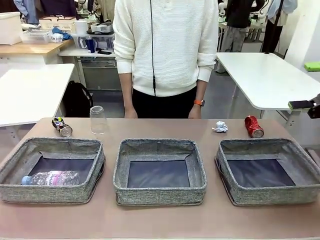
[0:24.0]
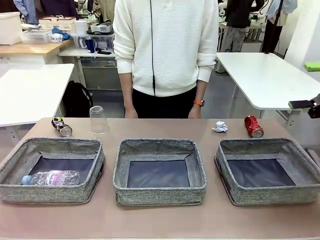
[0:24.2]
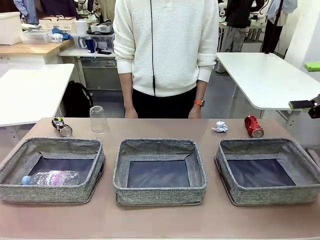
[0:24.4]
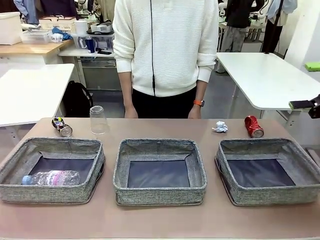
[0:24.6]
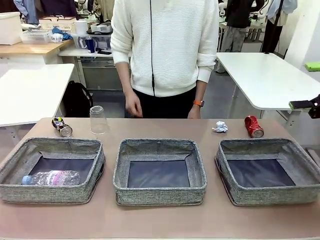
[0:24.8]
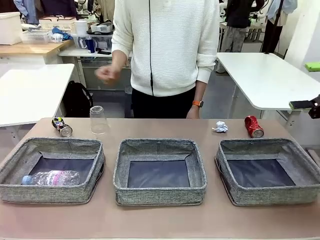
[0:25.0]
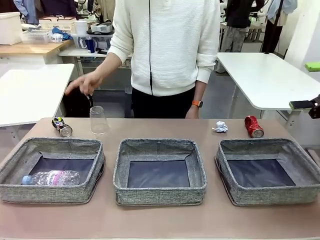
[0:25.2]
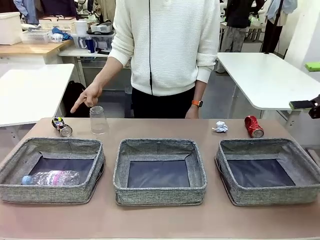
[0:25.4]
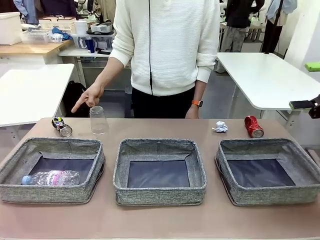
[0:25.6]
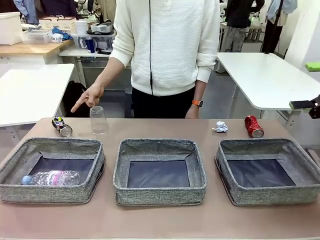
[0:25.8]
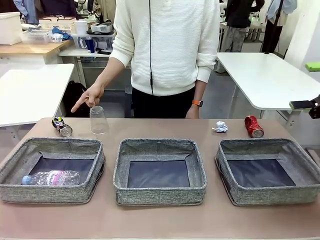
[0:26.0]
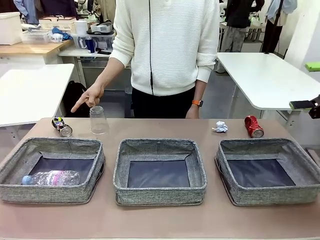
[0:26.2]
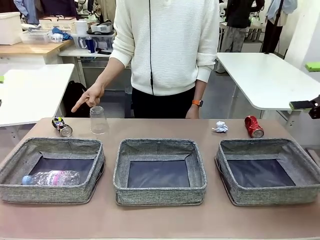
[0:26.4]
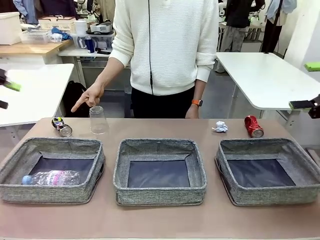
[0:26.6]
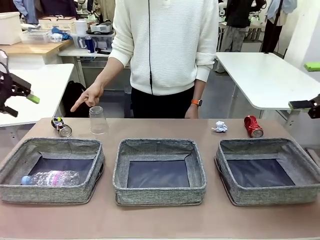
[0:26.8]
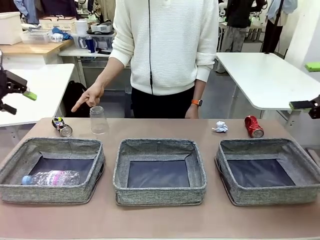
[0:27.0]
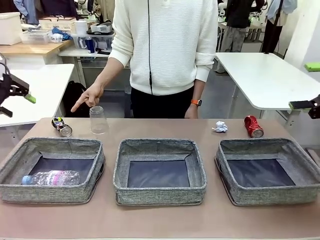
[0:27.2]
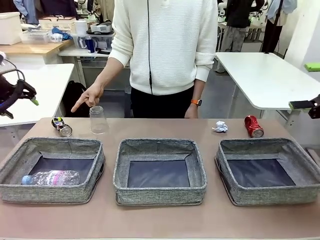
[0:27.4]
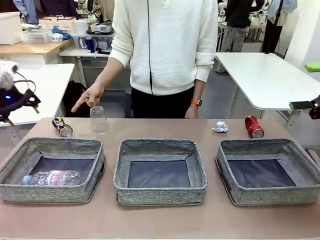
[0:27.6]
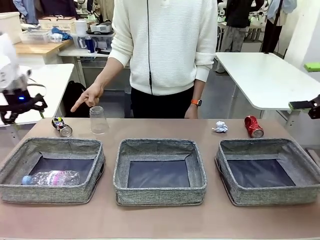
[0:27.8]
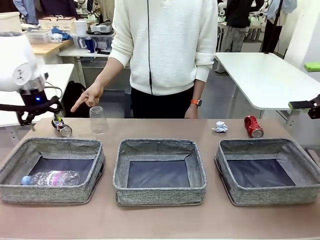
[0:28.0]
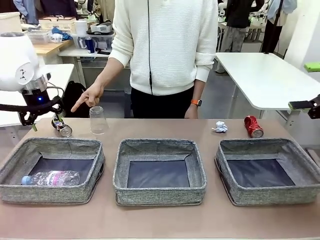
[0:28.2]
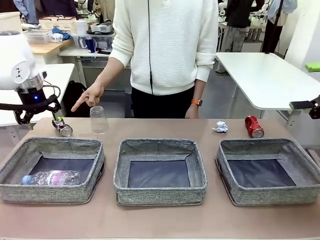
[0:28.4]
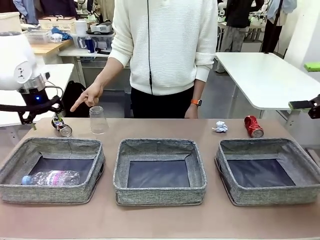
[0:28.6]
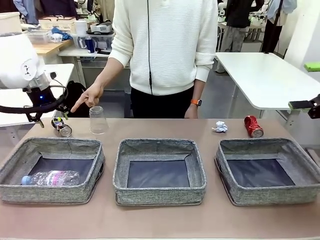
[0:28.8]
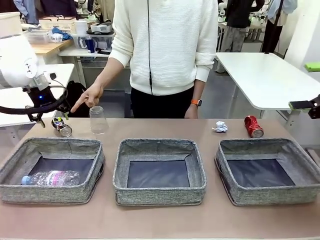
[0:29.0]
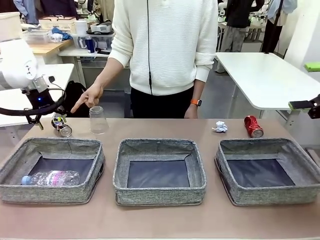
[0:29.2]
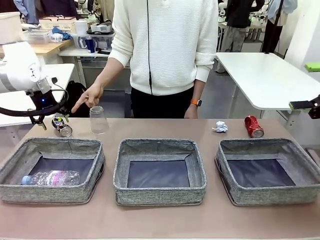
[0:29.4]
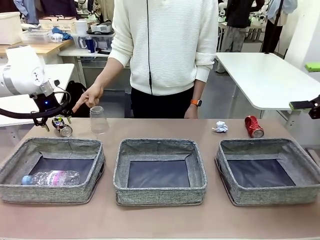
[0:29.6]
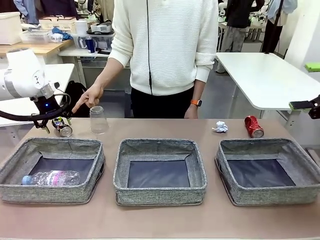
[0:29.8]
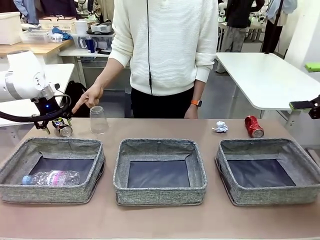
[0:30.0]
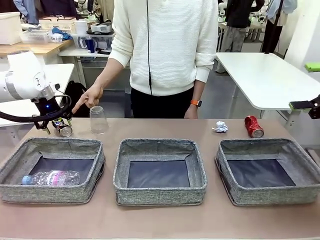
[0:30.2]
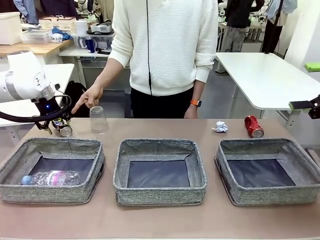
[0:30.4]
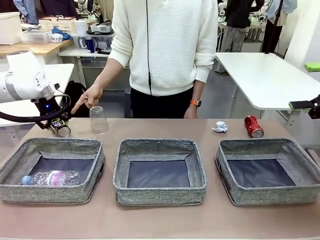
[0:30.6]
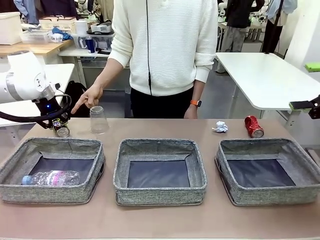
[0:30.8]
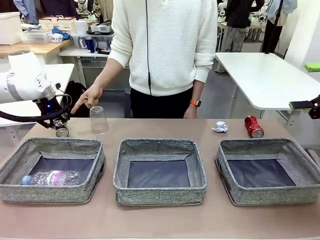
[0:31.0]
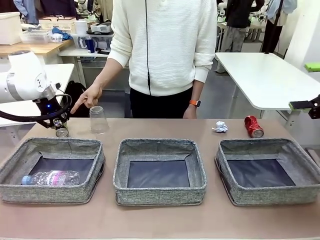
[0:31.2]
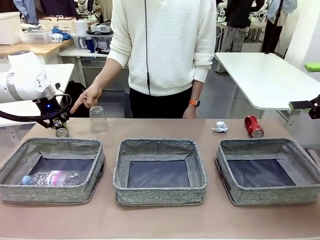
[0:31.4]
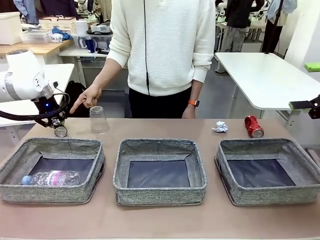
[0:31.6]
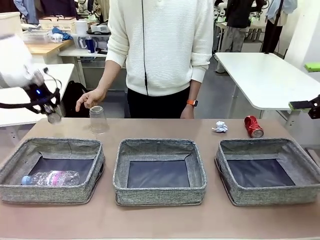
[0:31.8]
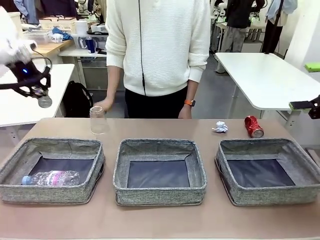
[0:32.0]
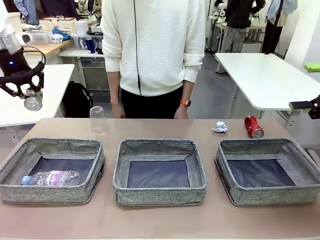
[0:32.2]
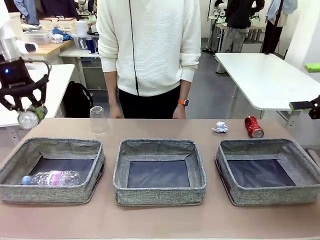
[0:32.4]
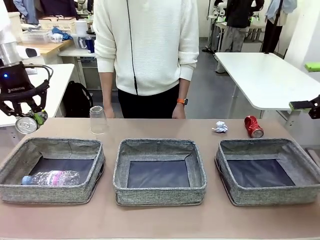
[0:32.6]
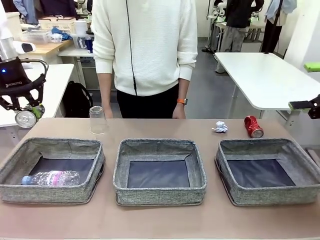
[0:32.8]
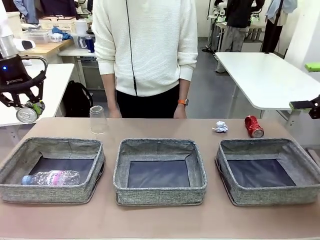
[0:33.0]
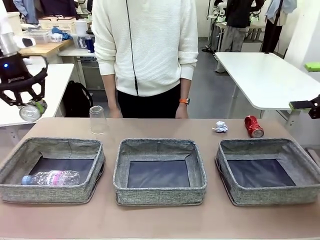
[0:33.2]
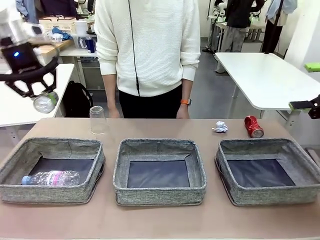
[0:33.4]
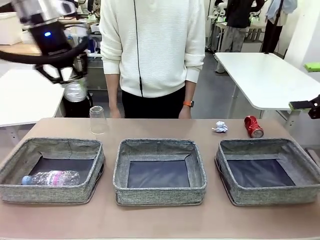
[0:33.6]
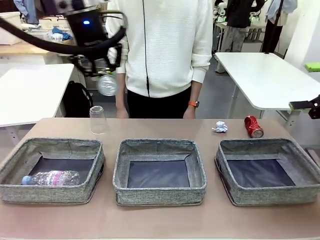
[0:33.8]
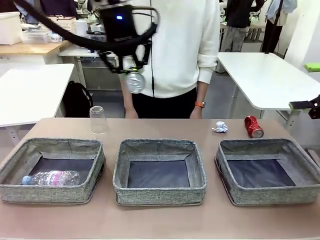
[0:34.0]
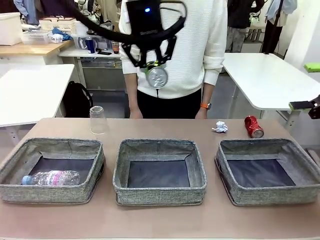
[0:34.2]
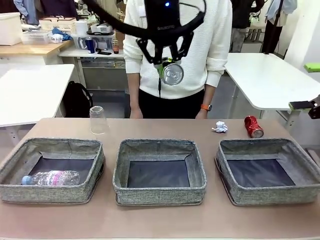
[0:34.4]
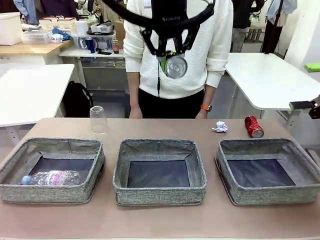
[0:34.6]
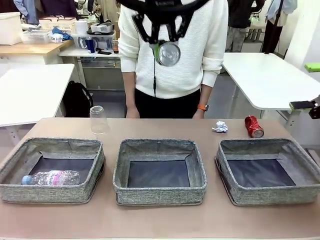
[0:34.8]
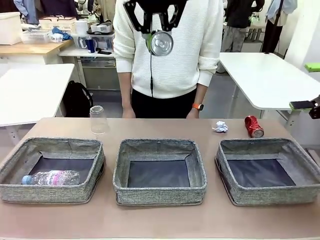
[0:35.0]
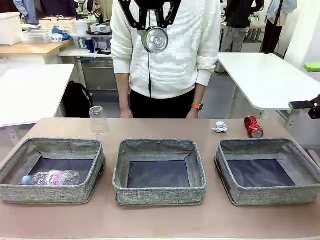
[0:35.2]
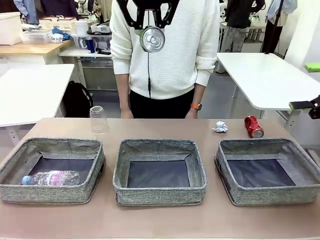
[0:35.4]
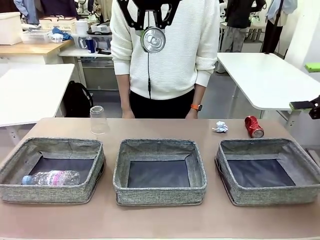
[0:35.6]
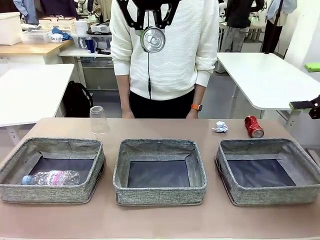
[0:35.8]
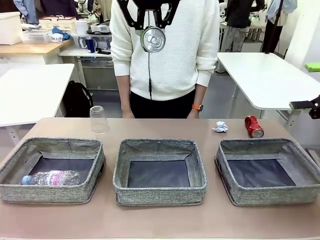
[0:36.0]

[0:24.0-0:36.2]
Task: Sort the waste into the appropriate baskets.
Robot: Pick up the waste item pointed out by the person.
Person: Points to one piece of trash on the table.

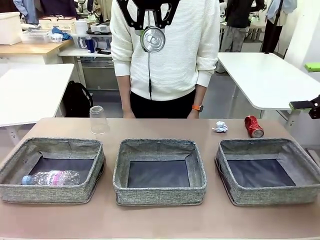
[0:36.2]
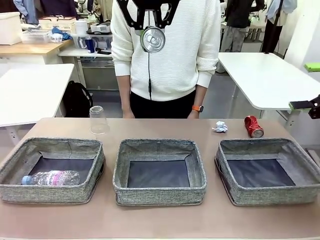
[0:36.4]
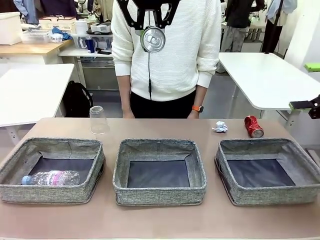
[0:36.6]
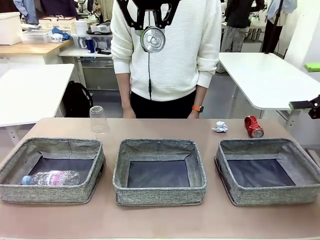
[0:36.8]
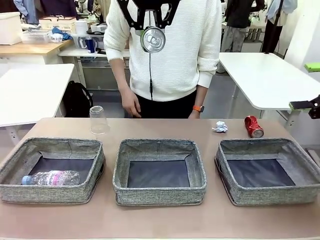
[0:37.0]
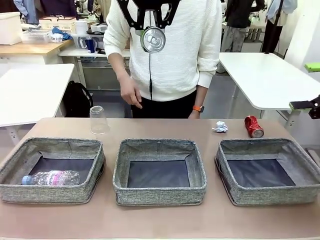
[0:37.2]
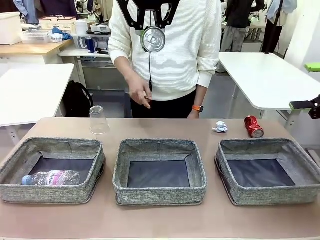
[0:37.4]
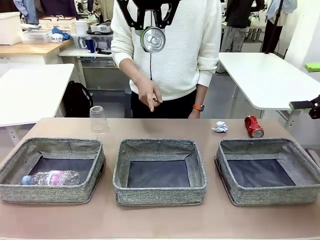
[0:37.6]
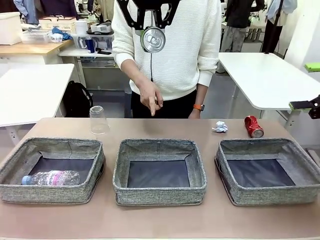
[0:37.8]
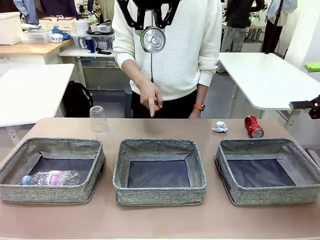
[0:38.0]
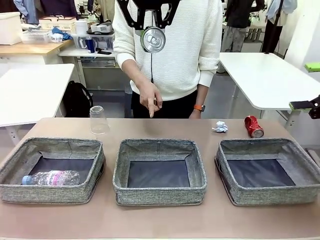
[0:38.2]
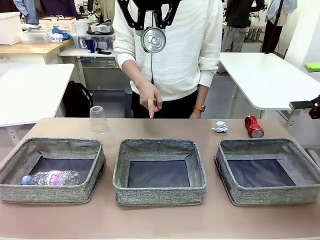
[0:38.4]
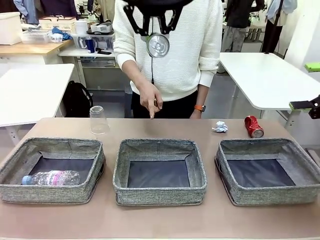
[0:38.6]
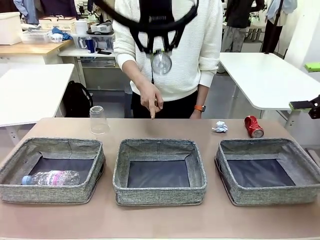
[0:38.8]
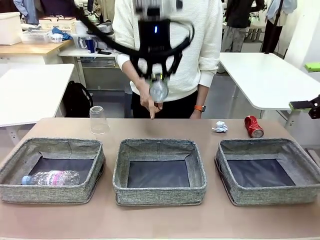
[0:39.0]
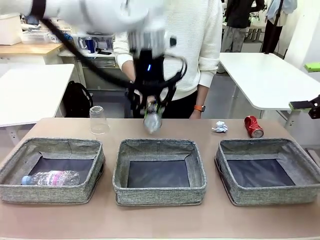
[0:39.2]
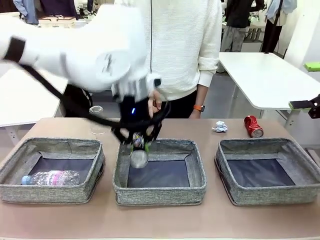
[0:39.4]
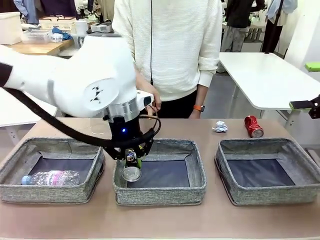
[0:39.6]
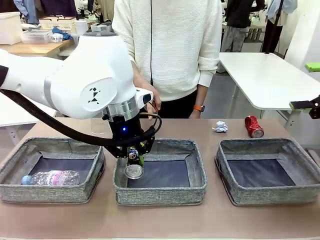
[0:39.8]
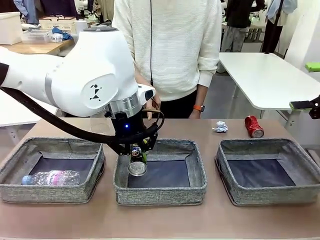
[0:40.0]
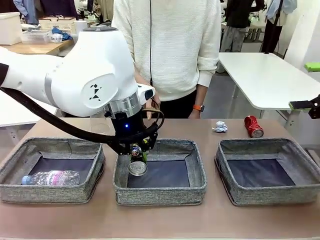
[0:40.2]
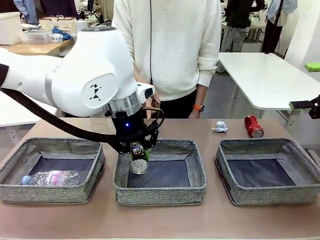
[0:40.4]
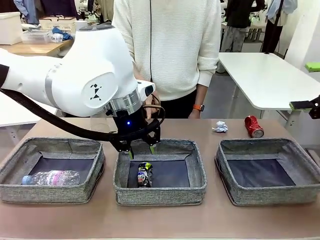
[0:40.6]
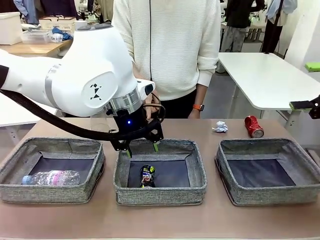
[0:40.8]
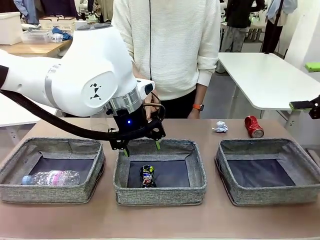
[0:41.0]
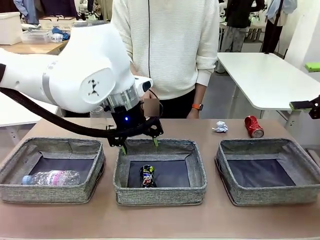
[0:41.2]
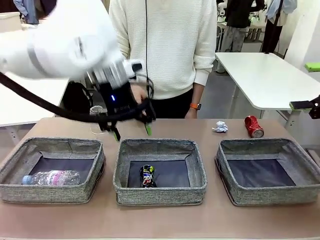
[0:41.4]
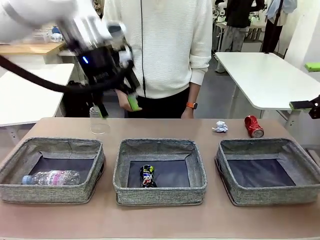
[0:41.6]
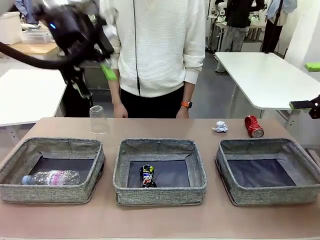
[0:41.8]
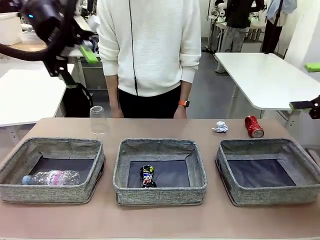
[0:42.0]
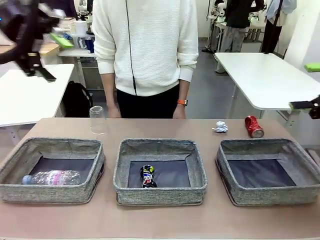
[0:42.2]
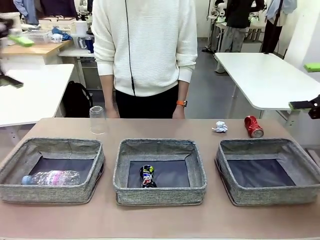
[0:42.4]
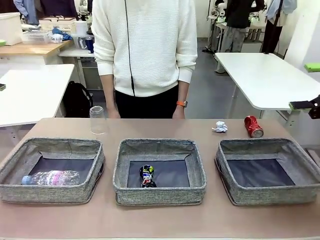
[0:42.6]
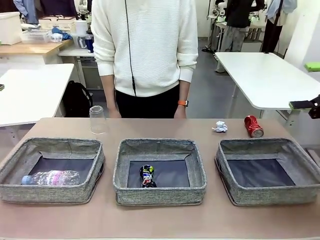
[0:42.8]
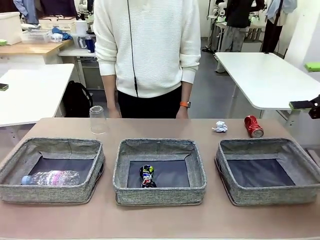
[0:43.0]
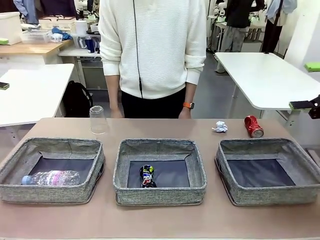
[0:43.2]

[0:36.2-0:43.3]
Robot: Place the picked waste into the Fabric basket indicated by the person.
Person: Instructs the robot to place the picked-up trash into the appropriate organizing basket.
